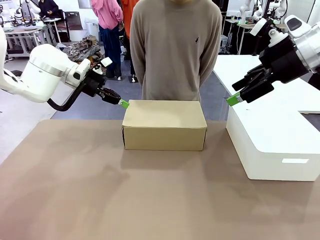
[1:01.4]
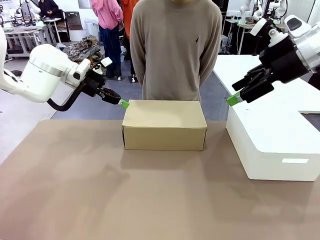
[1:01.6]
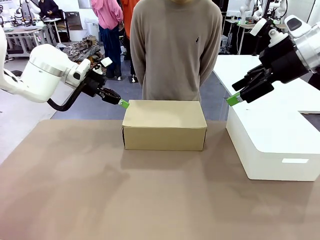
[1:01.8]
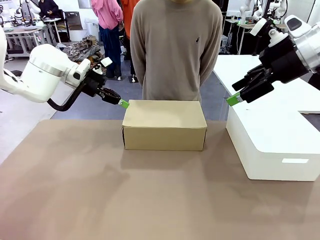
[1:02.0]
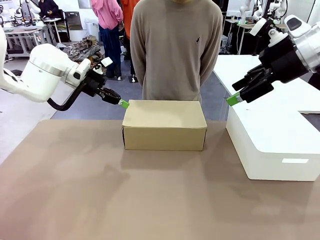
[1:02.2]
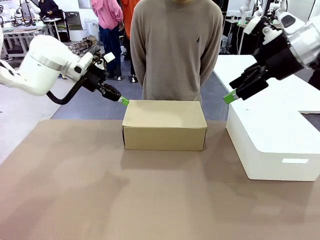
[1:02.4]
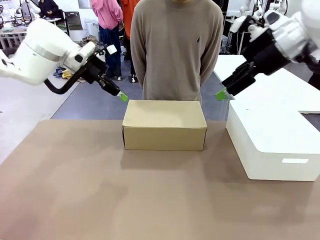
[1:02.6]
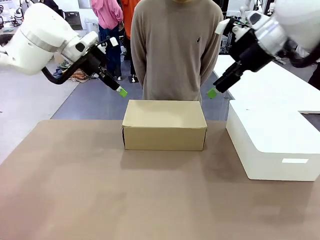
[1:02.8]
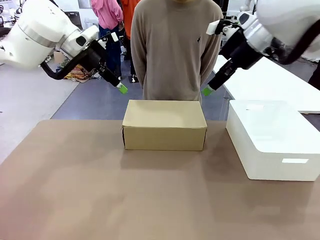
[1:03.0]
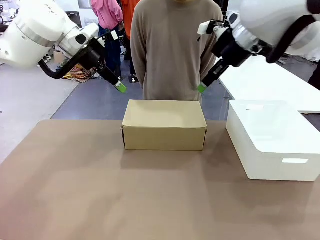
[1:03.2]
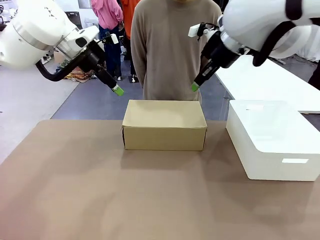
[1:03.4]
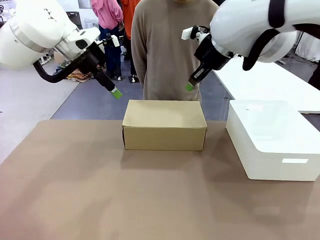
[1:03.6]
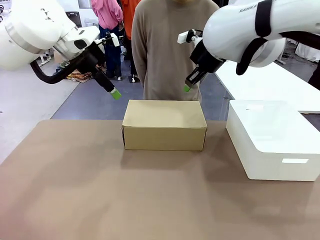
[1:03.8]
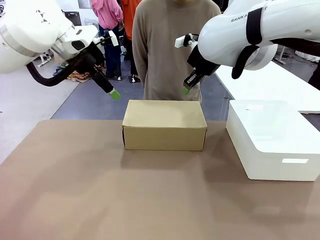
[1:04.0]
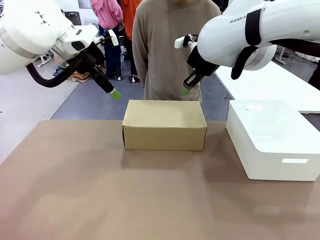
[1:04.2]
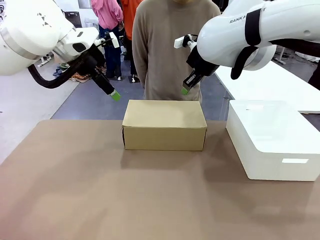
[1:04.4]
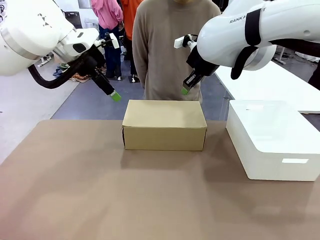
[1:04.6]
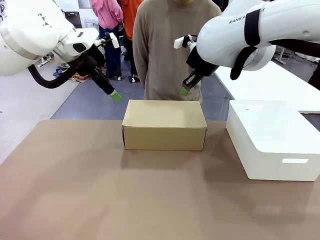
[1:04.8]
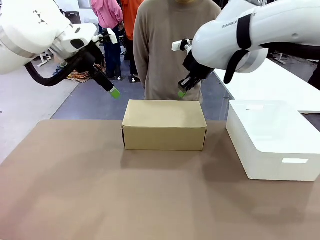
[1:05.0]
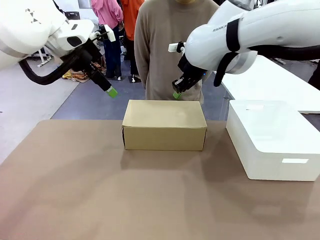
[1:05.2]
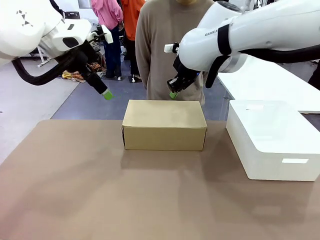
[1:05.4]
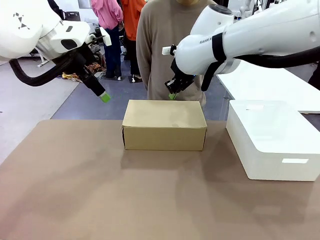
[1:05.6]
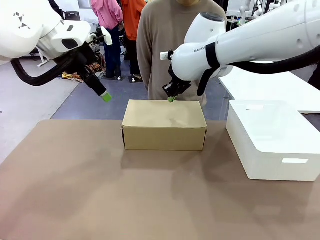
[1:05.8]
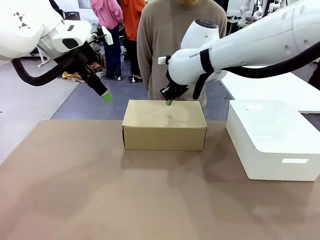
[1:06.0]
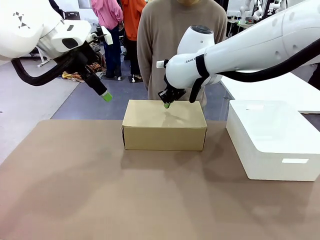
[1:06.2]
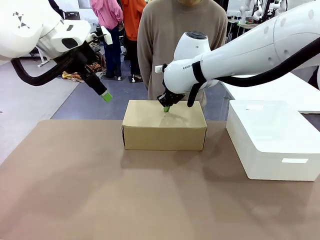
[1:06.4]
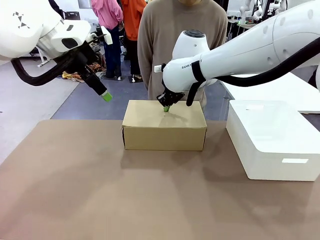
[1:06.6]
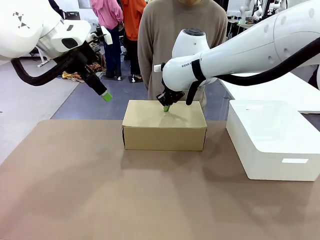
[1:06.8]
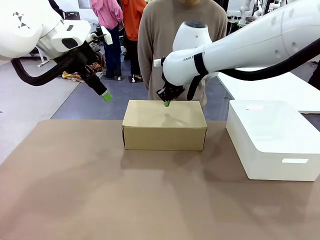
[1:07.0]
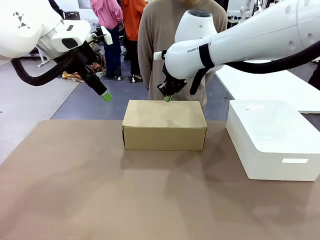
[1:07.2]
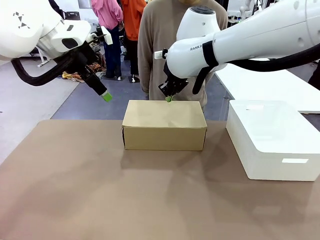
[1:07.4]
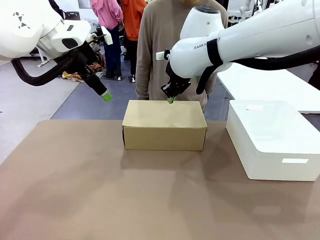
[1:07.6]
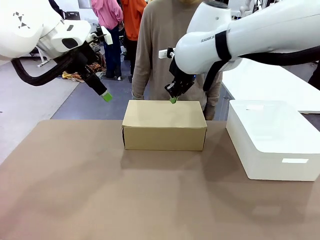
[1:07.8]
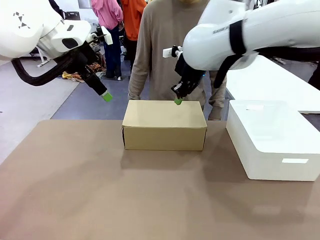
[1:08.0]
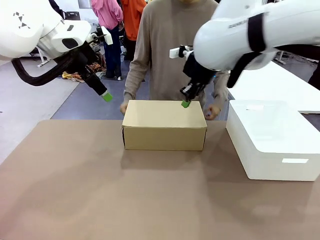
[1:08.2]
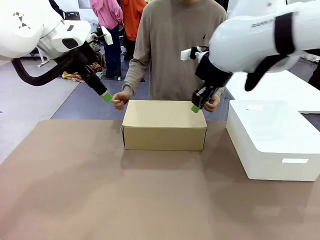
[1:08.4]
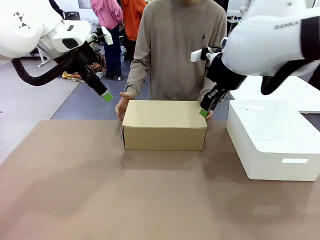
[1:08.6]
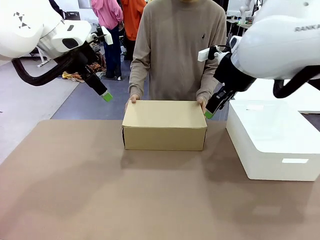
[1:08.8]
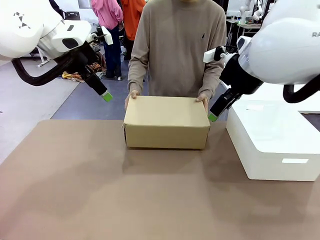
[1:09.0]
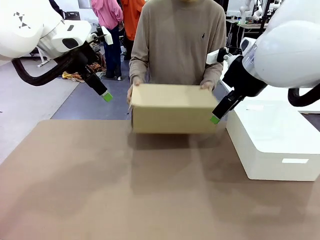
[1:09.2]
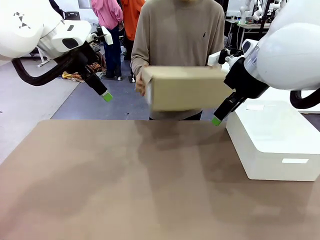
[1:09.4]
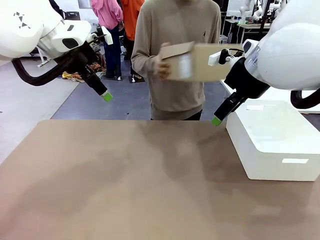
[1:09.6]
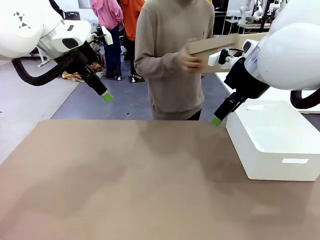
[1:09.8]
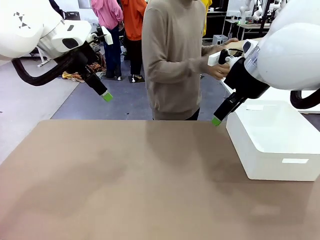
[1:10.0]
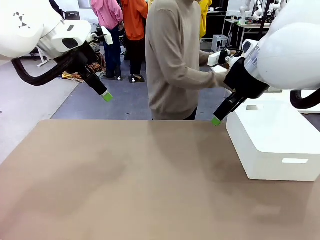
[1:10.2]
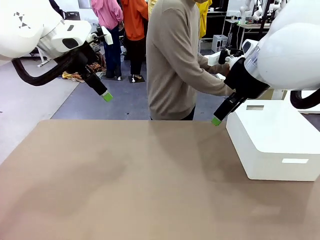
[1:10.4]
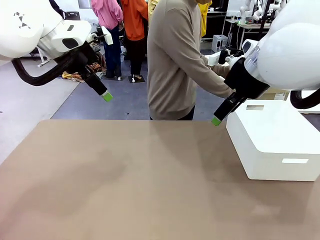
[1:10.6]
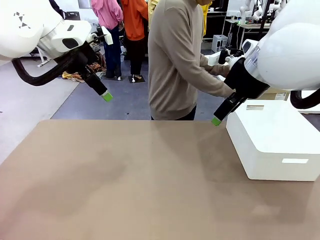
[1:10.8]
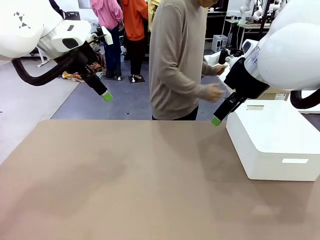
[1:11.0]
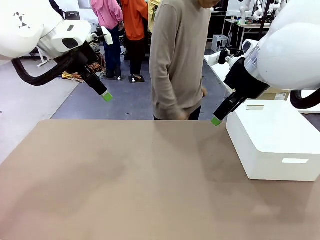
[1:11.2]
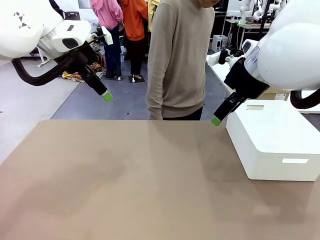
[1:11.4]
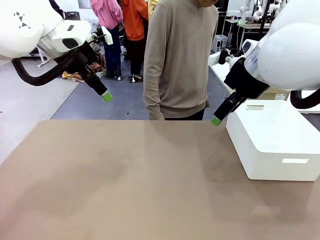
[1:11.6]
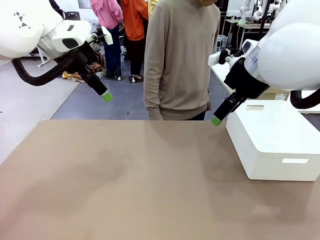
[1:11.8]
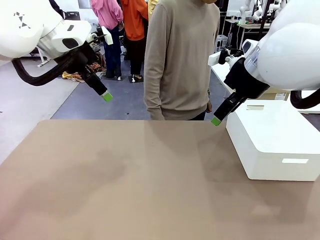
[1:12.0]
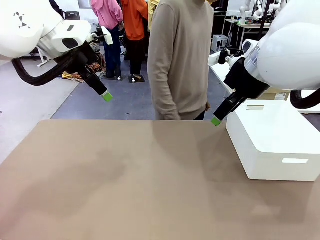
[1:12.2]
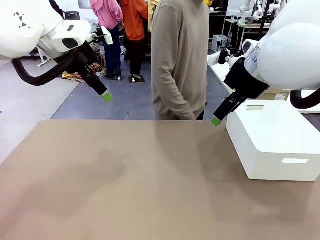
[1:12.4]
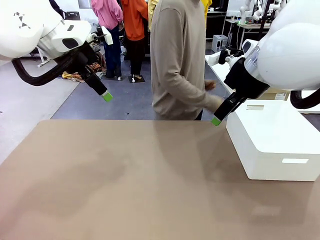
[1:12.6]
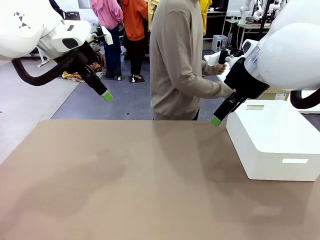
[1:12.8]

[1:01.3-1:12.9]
Task: Pack the shoes into the box.
Robot: Press down on the lid of the Shoes Box.
Person: Place the closed Shoes Box to the right side of the human table.

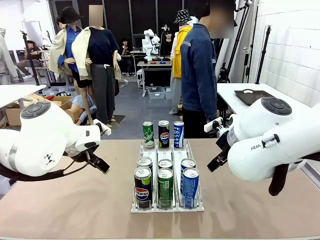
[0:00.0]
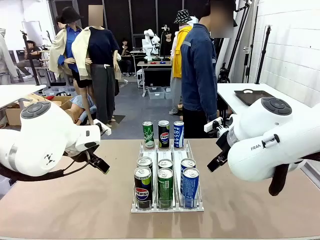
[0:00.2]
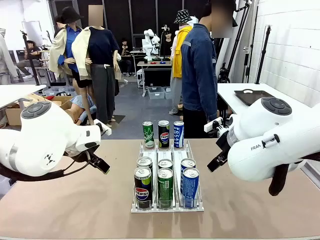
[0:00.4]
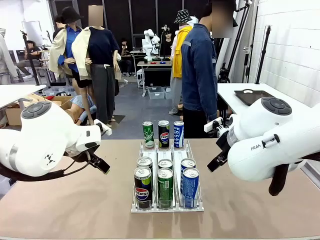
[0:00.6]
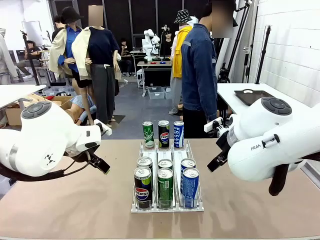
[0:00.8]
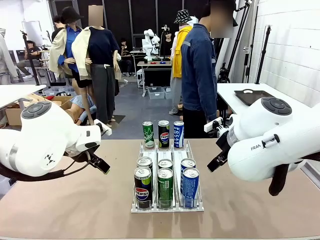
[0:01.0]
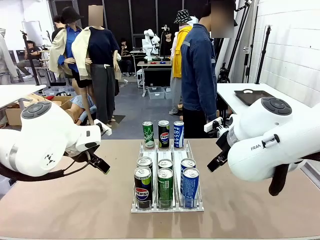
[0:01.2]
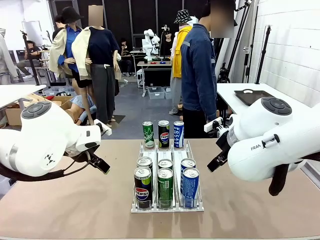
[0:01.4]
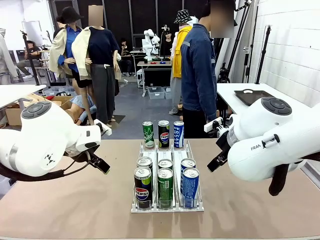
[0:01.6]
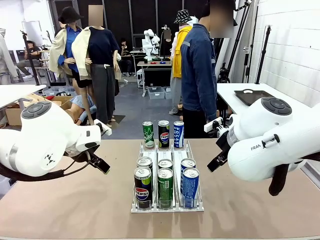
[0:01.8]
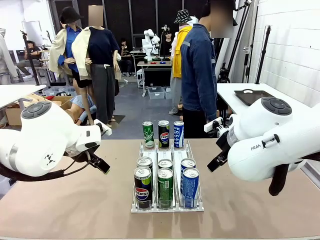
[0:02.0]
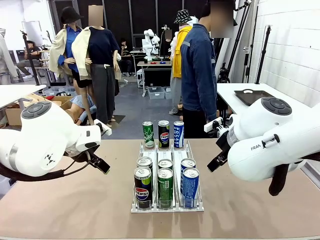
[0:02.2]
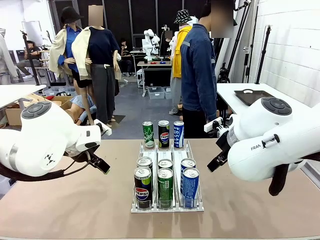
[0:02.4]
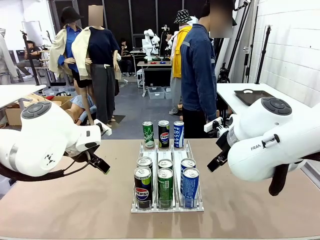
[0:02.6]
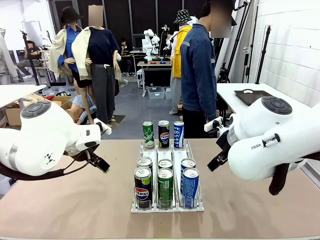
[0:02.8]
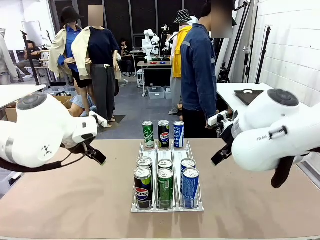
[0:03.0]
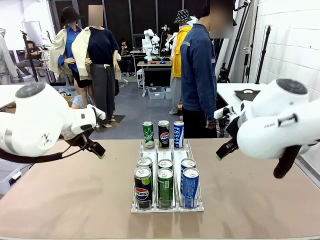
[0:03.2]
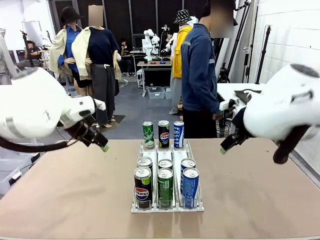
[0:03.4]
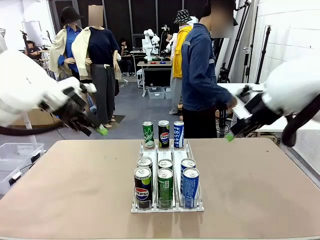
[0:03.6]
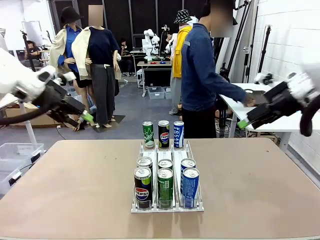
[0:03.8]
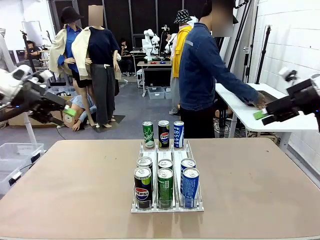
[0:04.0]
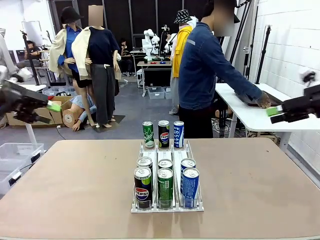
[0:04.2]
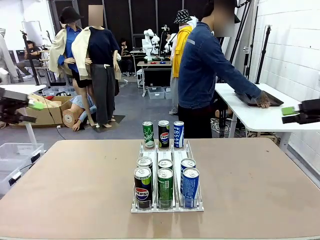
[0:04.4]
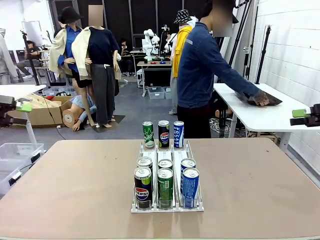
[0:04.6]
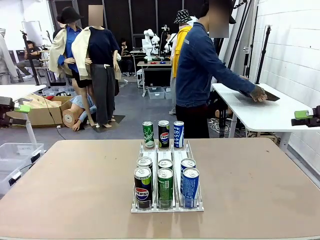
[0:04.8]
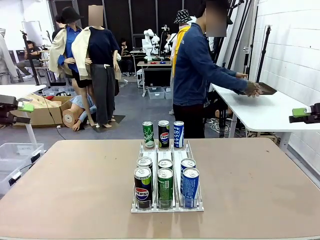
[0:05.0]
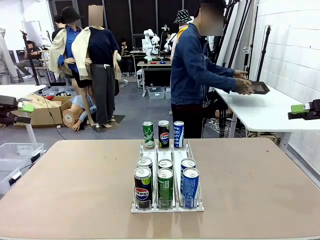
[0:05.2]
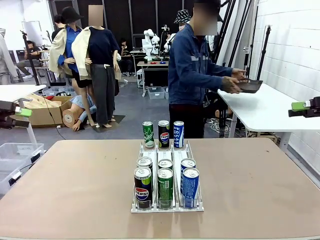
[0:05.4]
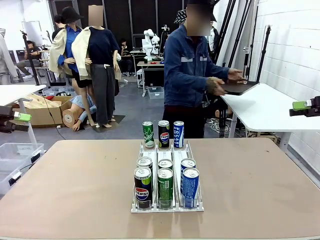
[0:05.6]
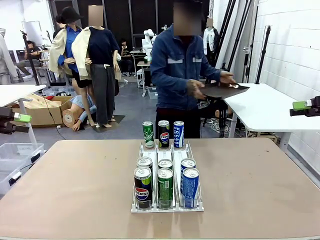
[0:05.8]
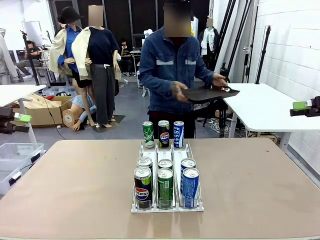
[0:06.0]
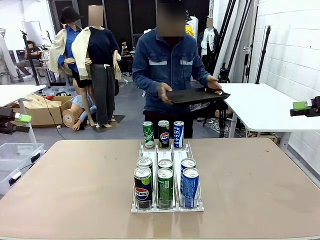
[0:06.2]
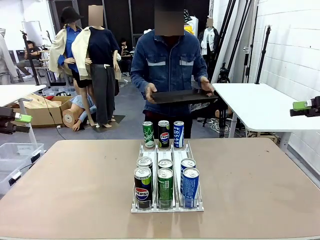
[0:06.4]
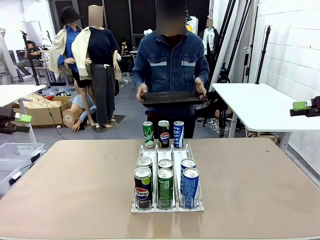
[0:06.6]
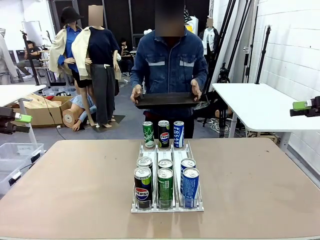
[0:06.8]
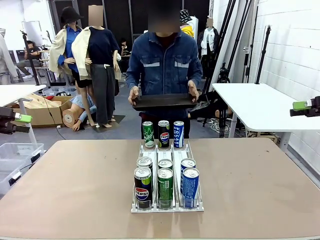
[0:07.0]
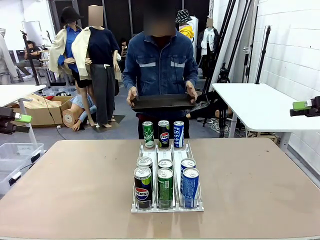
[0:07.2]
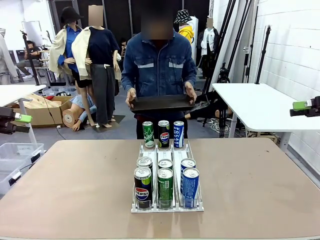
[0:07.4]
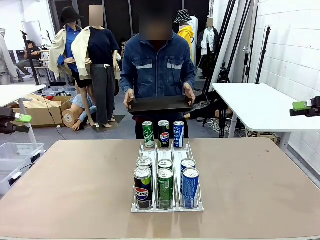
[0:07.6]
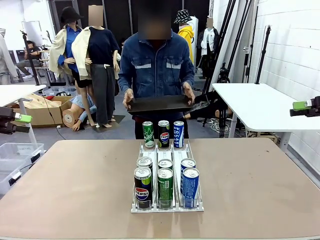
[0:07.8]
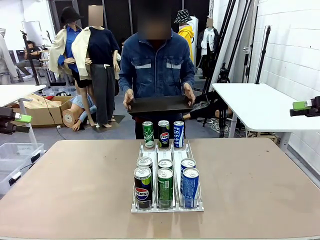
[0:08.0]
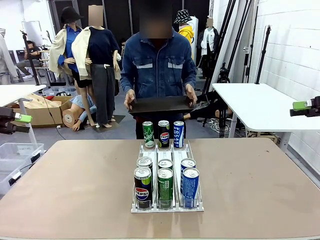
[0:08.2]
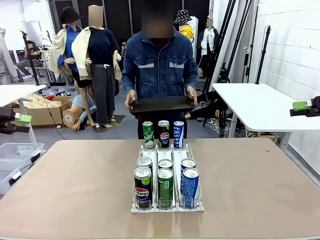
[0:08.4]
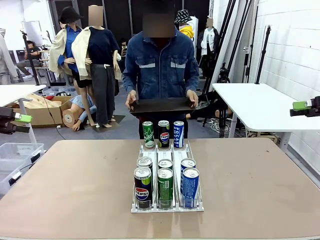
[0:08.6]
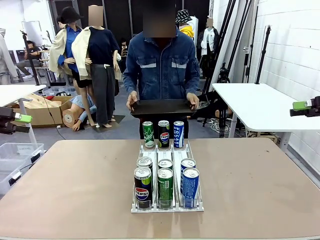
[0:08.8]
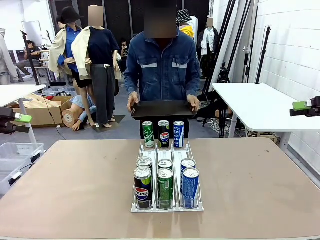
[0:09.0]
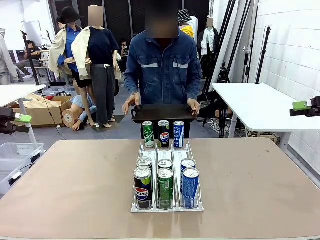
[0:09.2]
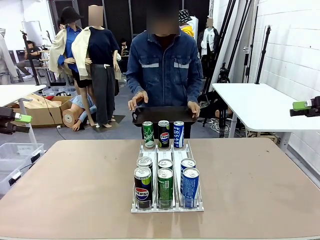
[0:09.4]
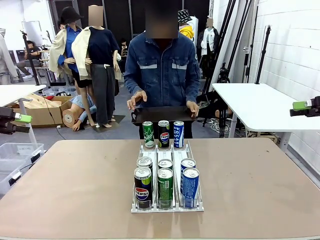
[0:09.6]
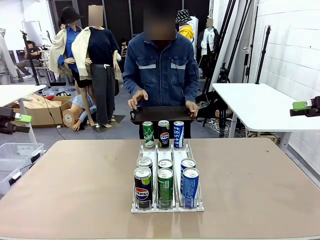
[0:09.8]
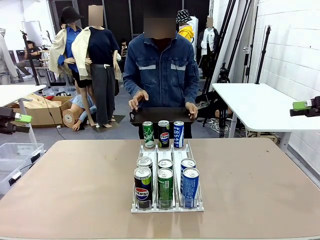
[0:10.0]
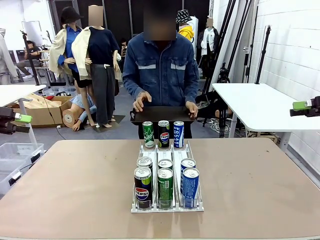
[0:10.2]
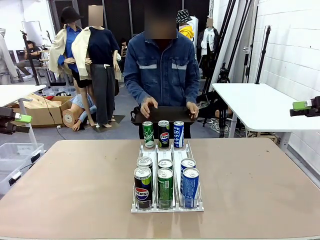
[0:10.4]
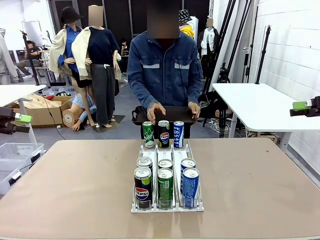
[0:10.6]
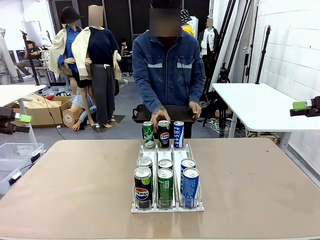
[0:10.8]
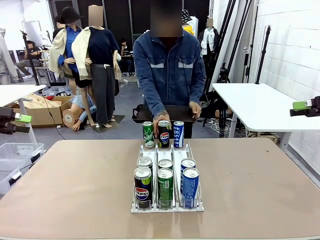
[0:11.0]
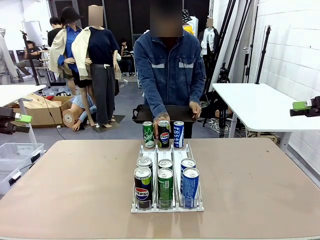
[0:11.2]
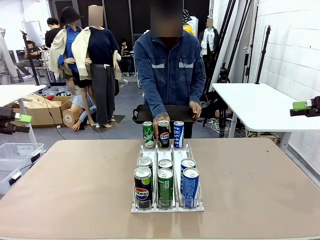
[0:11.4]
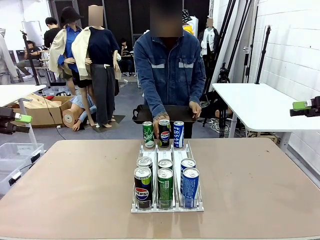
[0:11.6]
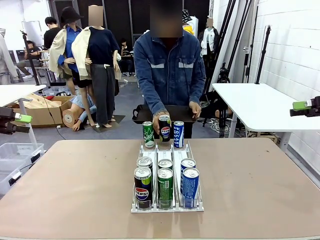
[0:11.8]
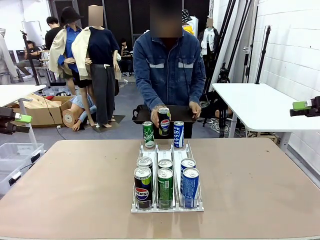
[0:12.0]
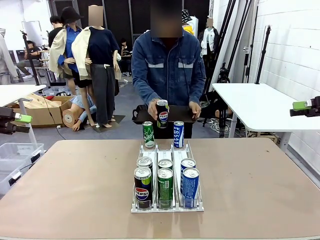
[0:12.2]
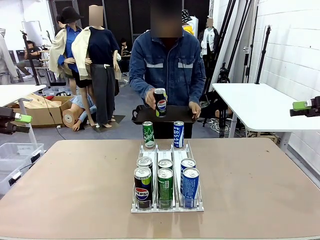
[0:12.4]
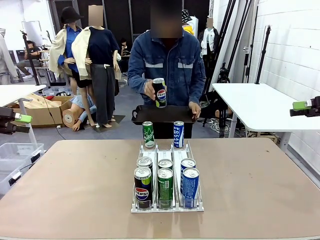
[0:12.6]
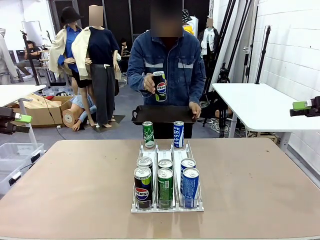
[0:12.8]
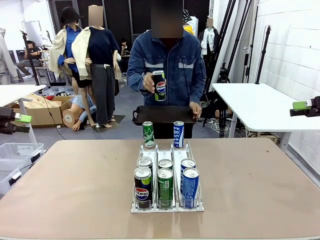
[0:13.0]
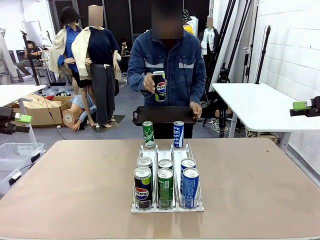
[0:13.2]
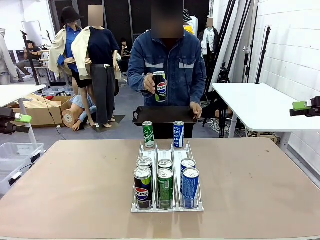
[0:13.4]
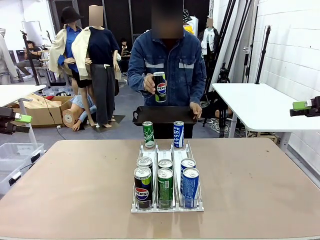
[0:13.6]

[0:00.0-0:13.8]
Task: Retrieve and hand over the desired beverage to the person.
Robot: Pick up a can of the same type that the person held from the Automatic Can Dispenser.
Person: Hold the tray and position yourself in front of the robot table. Pick up one can from the bottom area of the table and puts it back in its original place.
